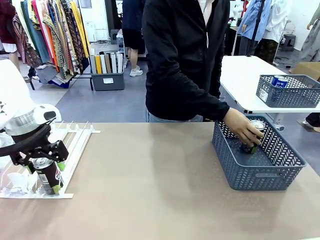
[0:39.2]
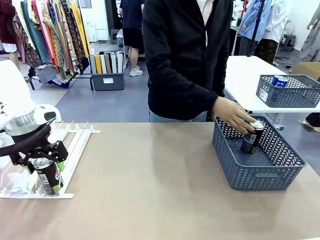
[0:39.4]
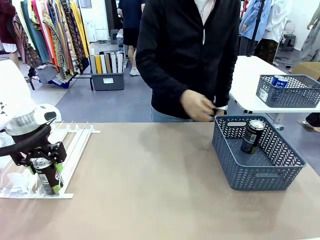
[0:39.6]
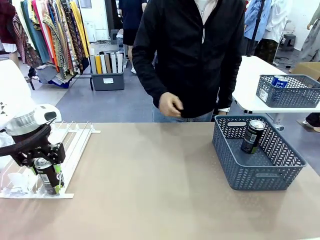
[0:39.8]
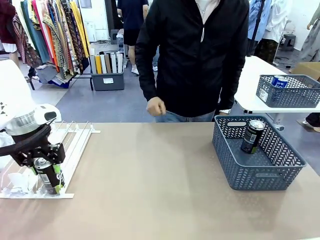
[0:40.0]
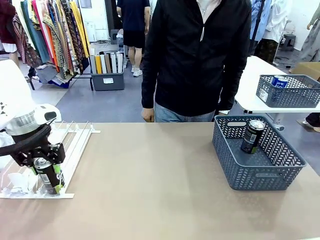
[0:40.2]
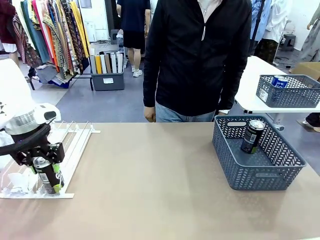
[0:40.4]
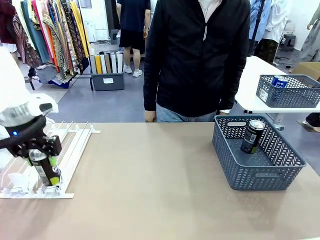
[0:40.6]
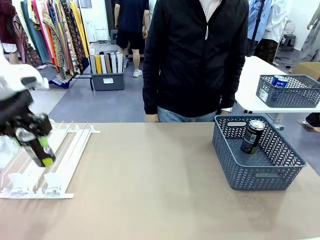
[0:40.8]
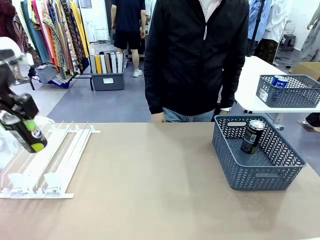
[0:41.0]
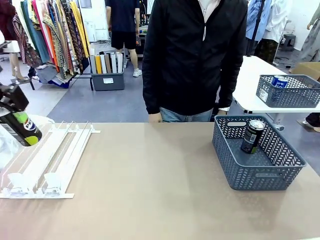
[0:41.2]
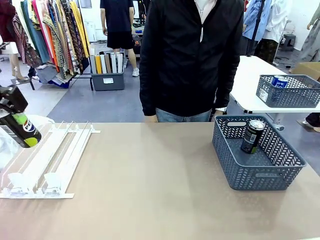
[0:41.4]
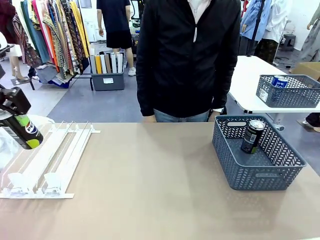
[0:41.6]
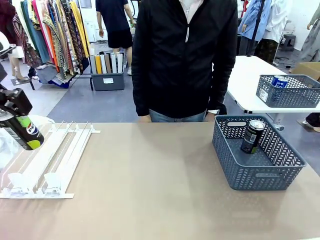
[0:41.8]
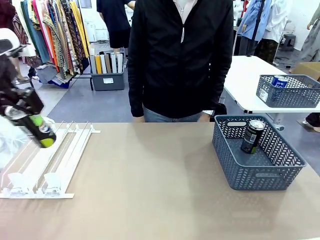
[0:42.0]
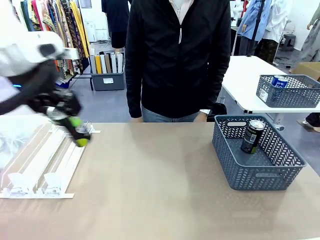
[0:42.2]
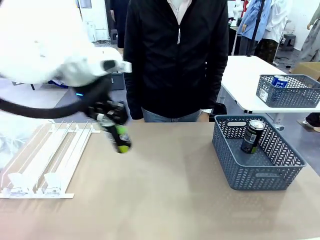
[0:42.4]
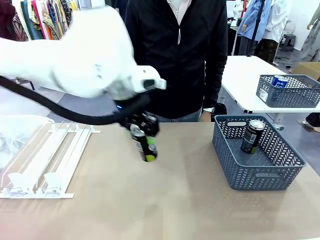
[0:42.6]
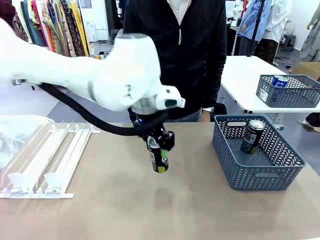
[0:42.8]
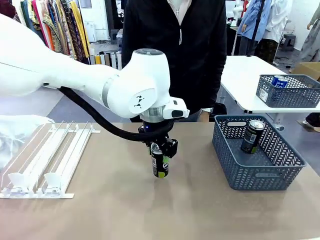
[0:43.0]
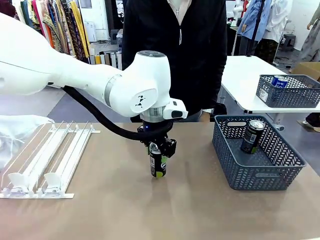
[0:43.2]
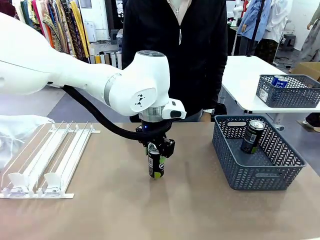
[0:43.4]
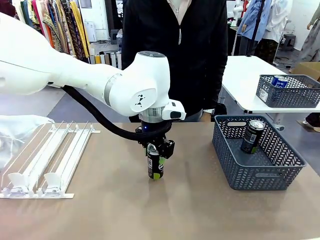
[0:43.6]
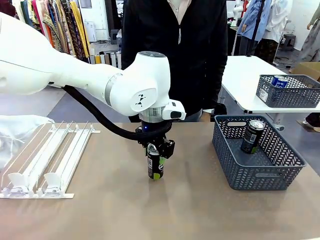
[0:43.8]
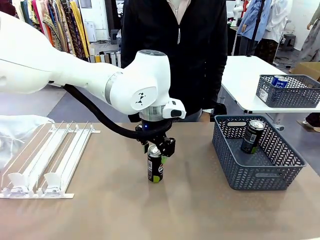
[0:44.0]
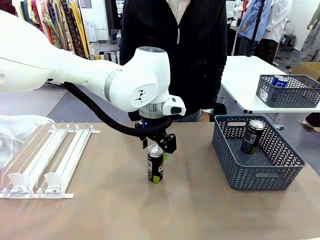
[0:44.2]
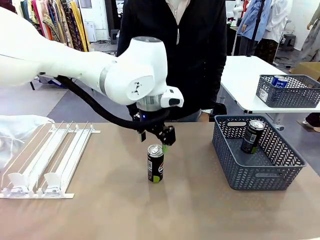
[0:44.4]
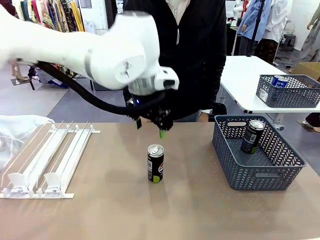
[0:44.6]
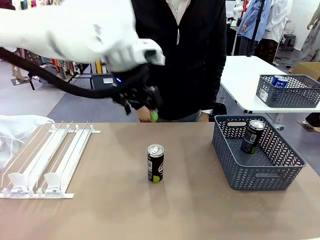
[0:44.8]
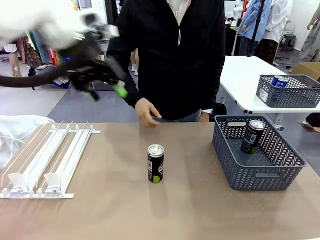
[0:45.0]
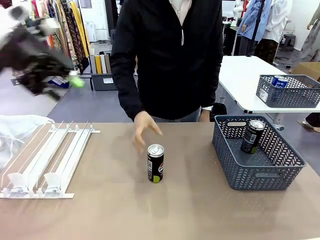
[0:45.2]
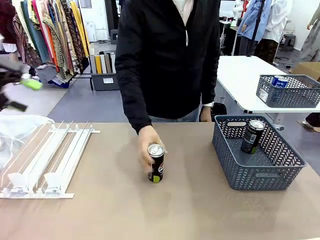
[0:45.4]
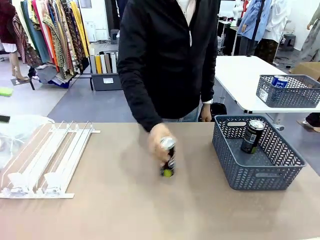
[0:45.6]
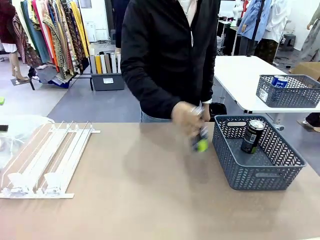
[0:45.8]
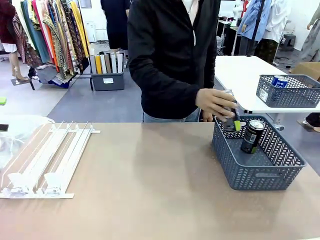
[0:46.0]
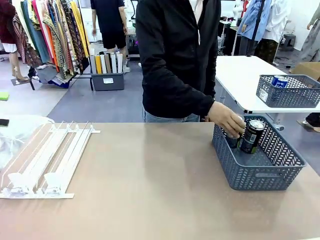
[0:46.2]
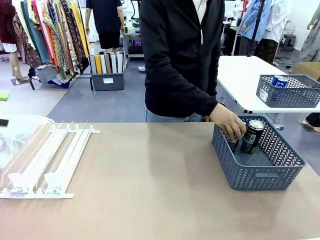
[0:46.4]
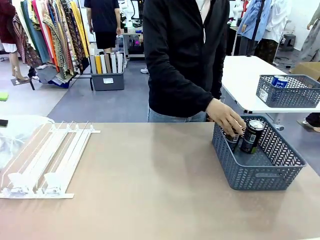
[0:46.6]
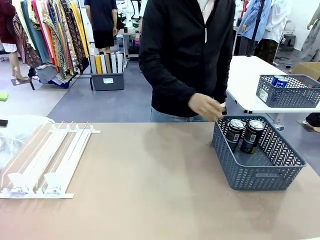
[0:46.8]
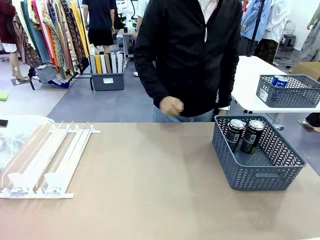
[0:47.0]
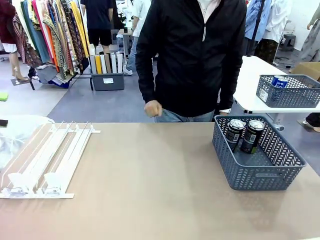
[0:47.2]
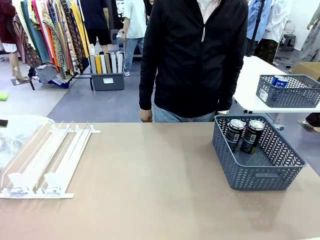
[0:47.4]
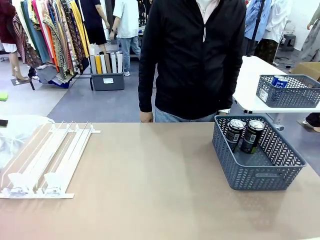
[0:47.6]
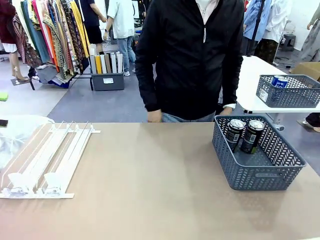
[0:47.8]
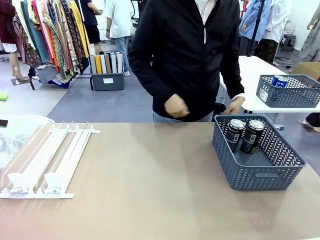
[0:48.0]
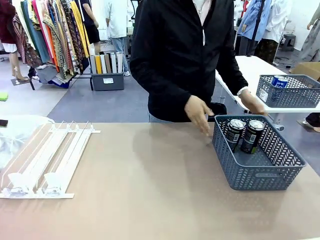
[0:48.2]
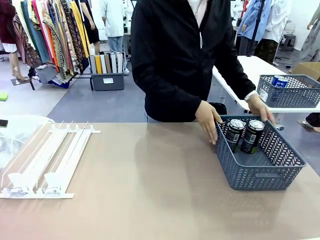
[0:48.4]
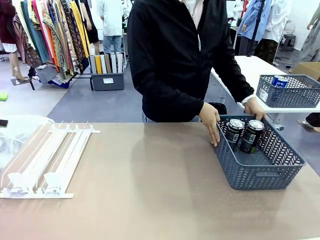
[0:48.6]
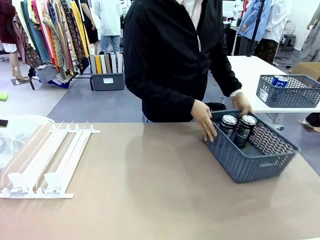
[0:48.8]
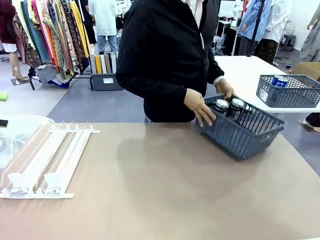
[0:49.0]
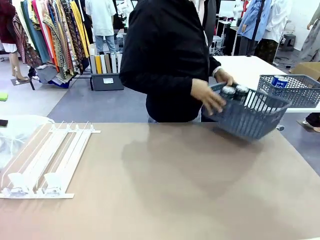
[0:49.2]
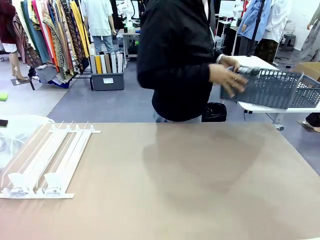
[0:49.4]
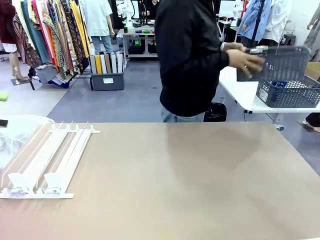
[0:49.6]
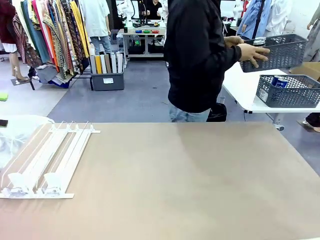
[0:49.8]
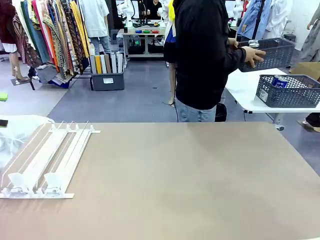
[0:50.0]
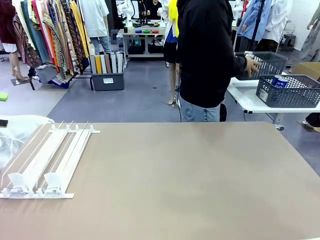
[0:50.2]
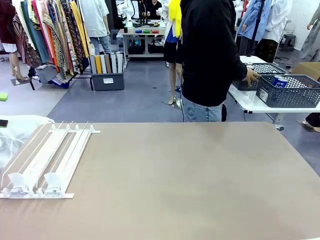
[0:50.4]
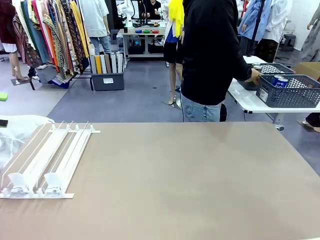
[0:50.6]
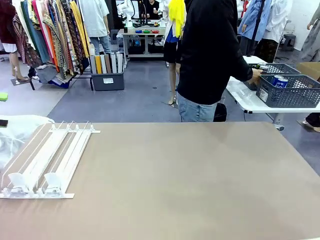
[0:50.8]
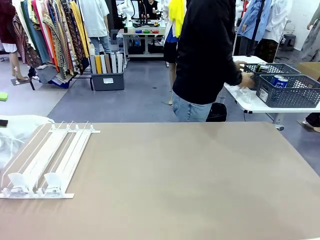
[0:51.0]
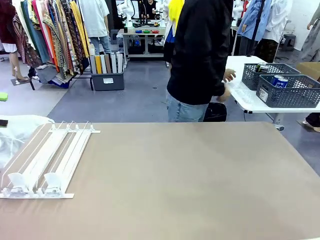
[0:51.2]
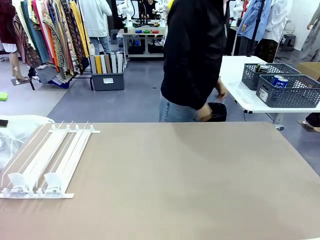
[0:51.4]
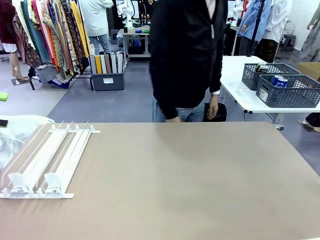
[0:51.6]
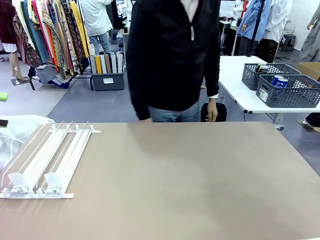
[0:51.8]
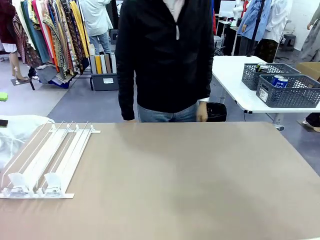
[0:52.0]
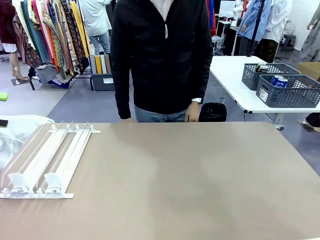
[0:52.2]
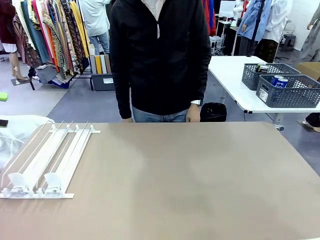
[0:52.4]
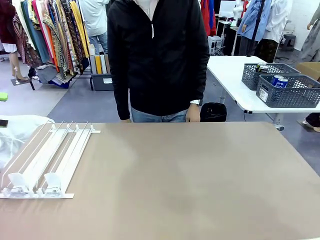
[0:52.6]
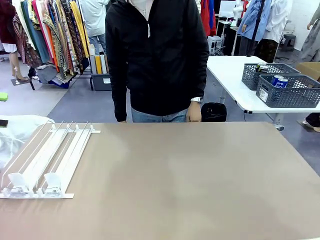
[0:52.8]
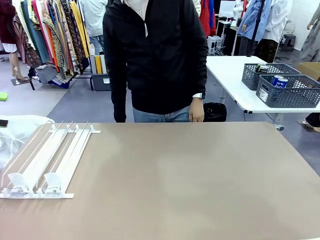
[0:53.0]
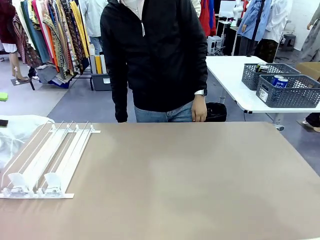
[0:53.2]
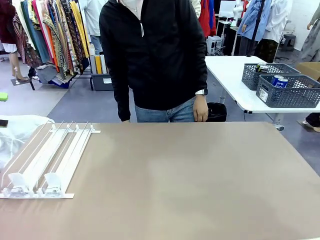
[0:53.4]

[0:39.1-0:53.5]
Task: Retrieve and store the cans from the dispenser.
Robot: Pick up one can from the Automatic Can Dispenser and place it in the middle of the table.
Person: Pick up one sports drink can from the middle of the robot table and place it in the basket. Pick up the basket and place it in the middle of the human table.
